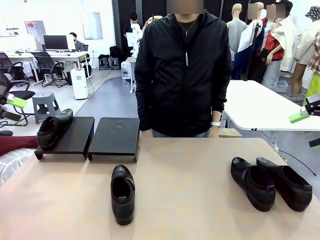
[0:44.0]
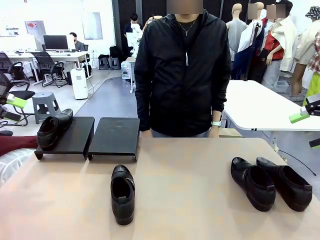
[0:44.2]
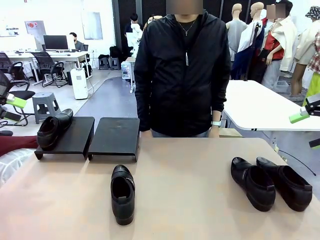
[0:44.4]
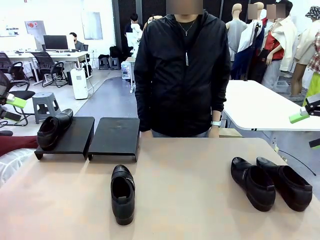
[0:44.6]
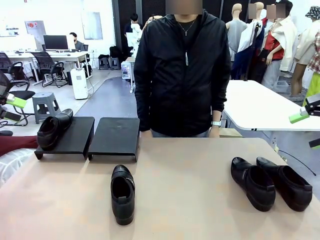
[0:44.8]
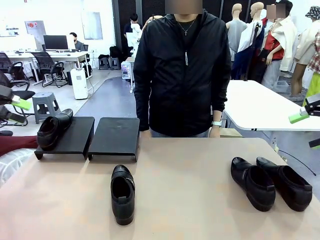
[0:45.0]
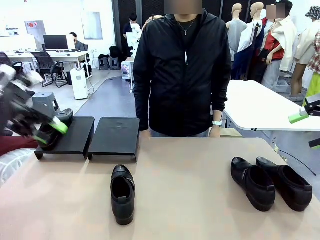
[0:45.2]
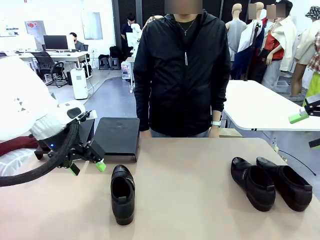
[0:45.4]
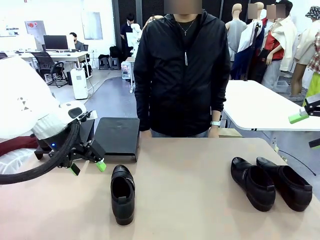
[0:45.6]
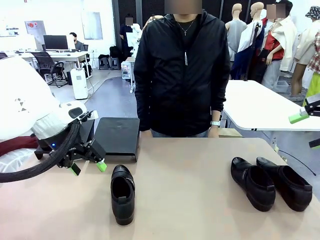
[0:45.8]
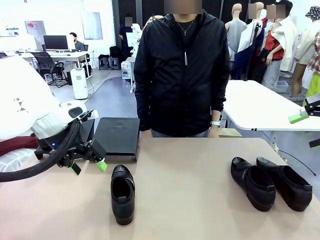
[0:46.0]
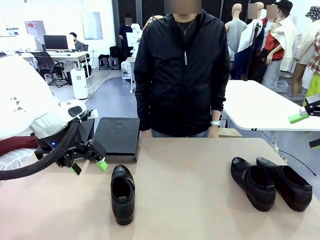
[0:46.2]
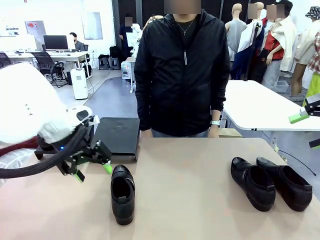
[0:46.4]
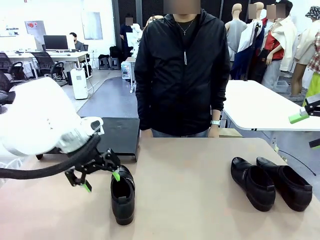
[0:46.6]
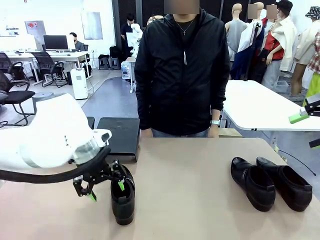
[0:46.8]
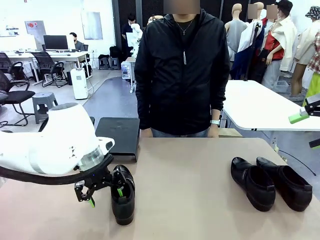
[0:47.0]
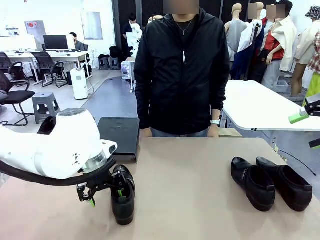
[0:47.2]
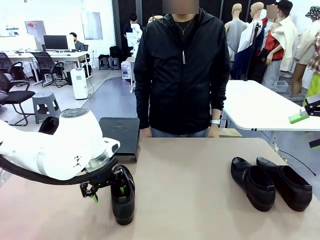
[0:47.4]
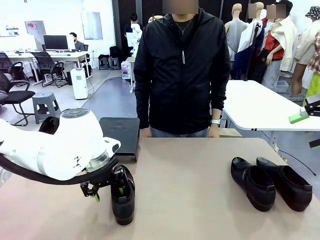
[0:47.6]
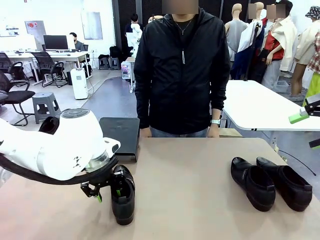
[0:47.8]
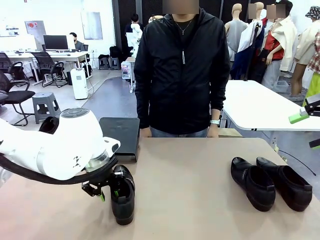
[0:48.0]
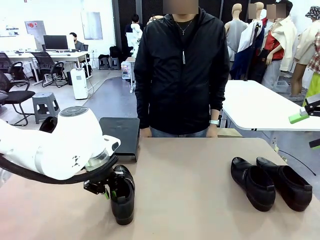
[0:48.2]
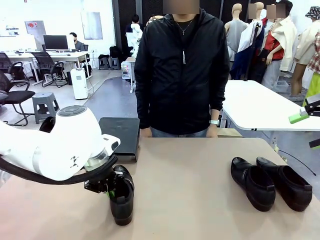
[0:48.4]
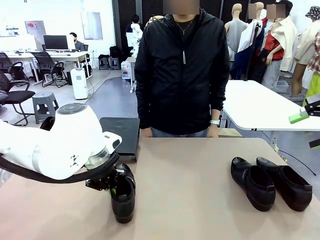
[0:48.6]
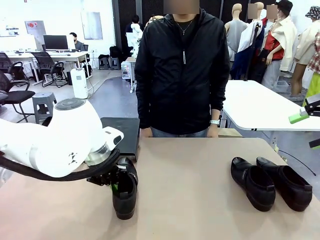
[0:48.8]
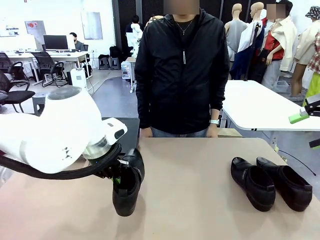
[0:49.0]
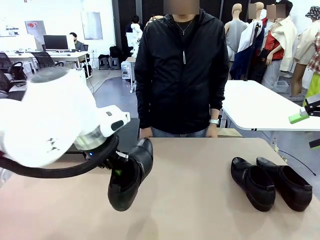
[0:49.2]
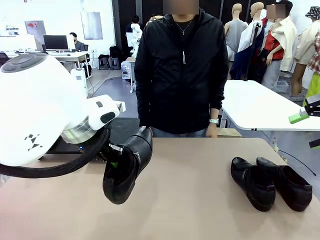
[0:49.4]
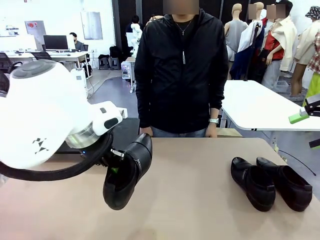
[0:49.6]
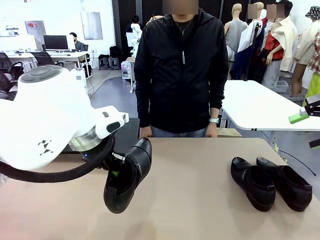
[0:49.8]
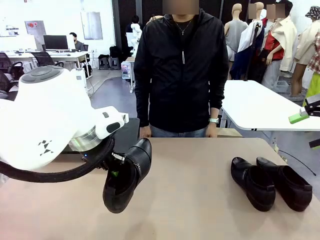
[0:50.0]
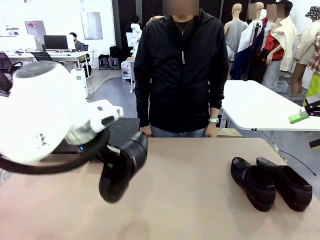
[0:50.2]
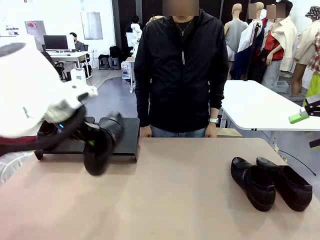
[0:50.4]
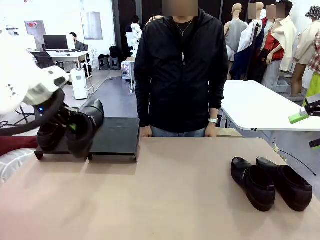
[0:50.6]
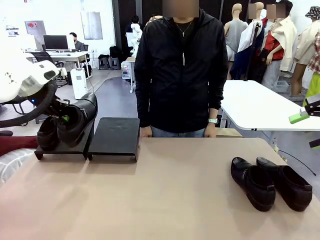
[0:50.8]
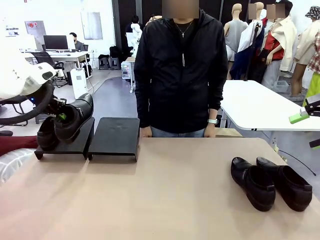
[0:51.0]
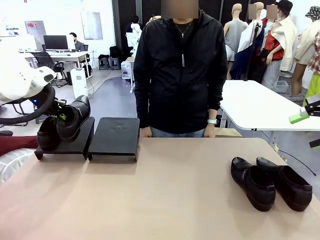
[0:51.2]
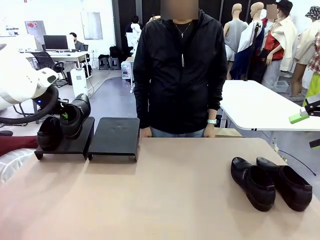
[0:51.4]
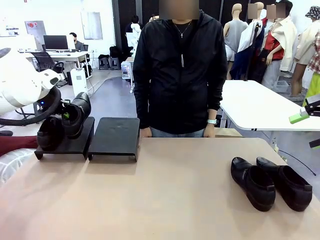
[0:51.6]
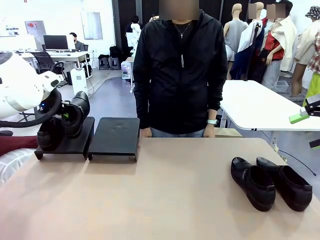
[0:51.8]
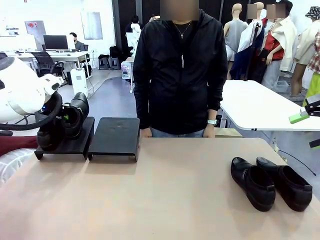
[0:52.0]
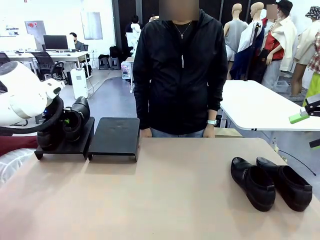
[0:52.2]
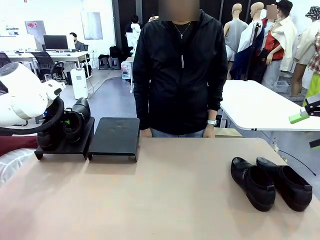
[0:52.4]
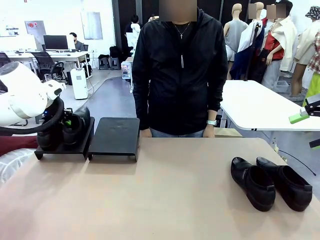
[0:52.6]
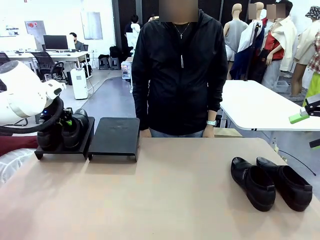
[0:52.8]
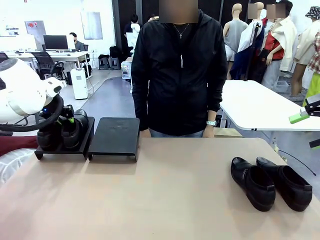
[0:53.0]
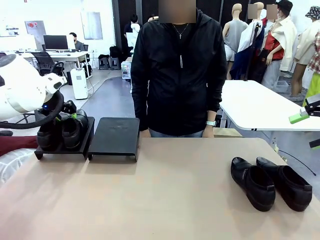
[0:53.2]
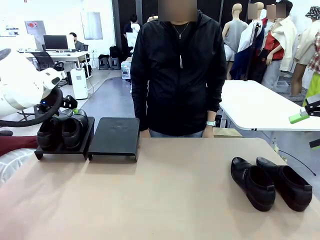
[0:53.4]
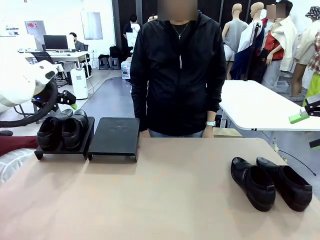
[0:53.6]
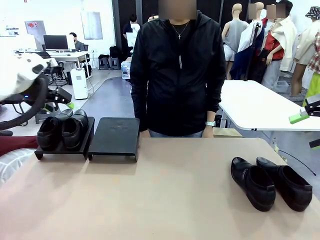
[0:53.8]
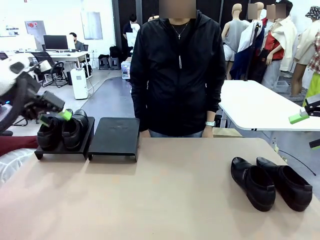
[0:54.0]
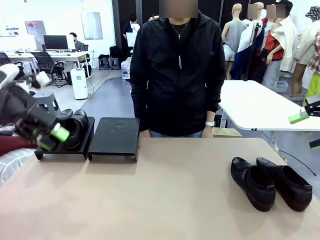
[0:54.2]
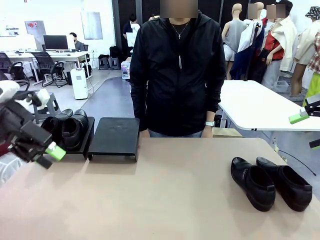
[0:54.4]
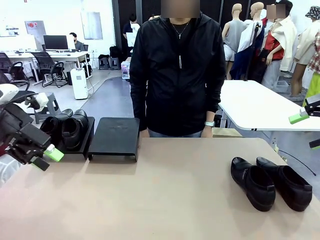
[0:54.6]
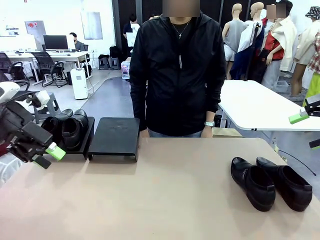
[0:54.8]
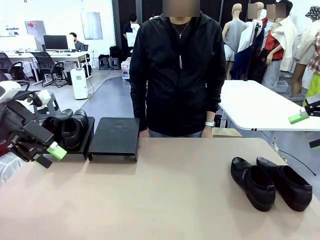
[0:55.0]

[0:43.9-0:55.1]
Task: Organize the shoes by placing them on the stand.
Robot: Place the Shoe from the middle of the table onto the Shoes Stand.

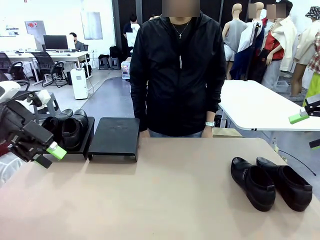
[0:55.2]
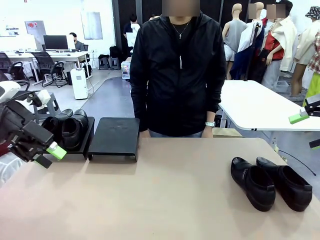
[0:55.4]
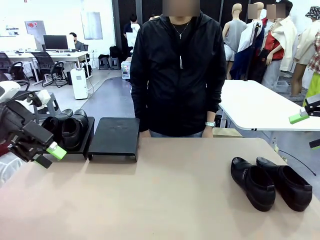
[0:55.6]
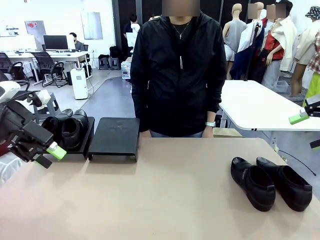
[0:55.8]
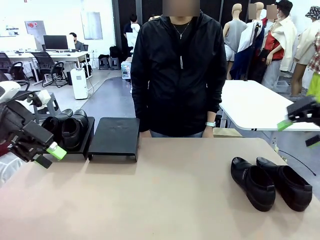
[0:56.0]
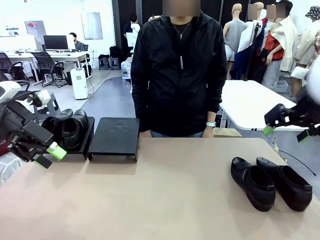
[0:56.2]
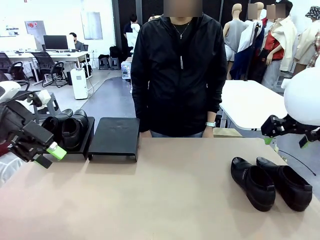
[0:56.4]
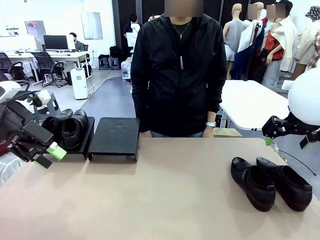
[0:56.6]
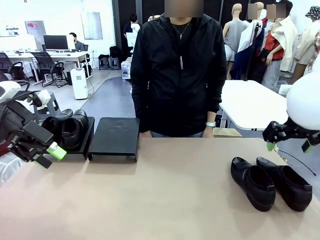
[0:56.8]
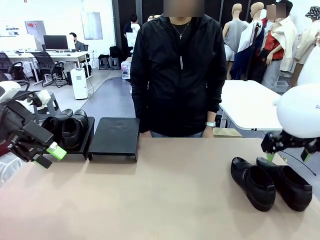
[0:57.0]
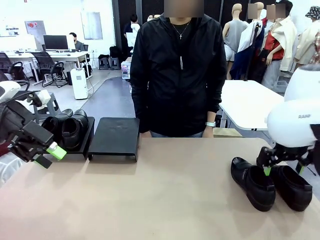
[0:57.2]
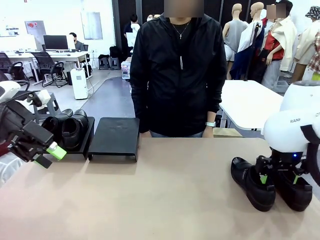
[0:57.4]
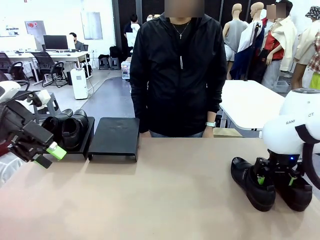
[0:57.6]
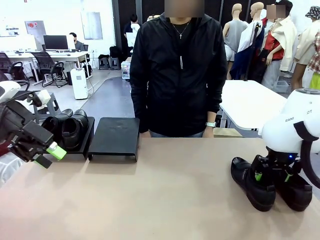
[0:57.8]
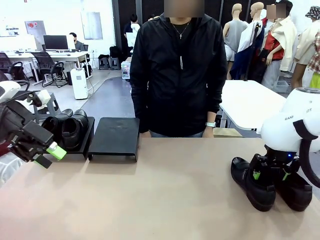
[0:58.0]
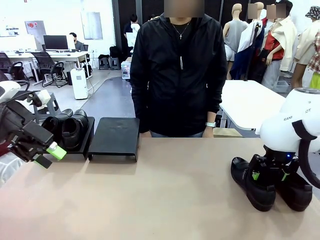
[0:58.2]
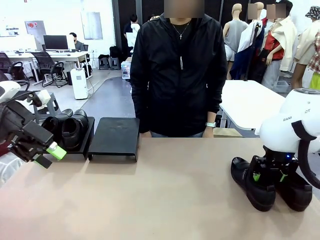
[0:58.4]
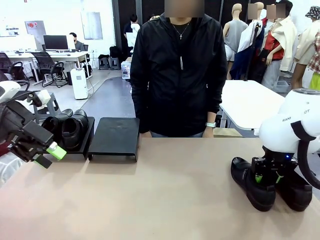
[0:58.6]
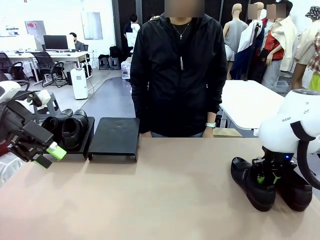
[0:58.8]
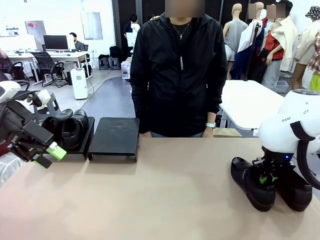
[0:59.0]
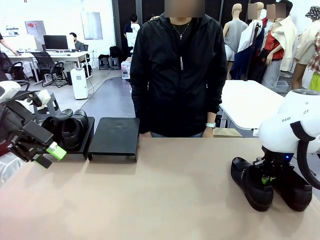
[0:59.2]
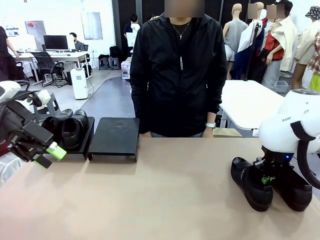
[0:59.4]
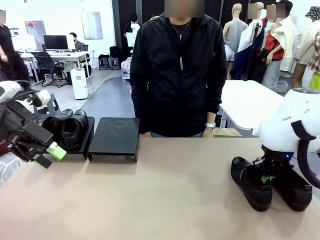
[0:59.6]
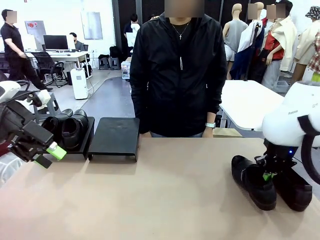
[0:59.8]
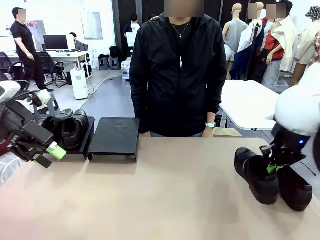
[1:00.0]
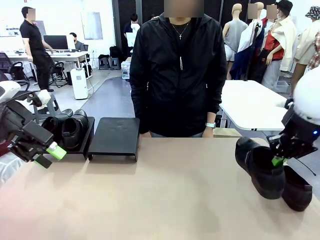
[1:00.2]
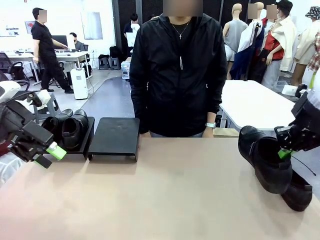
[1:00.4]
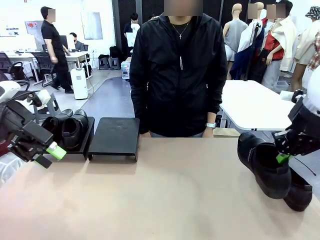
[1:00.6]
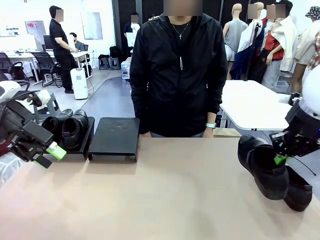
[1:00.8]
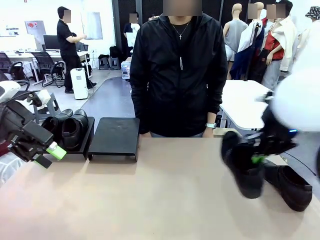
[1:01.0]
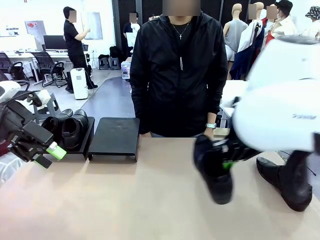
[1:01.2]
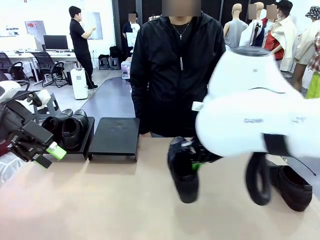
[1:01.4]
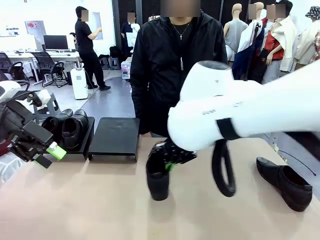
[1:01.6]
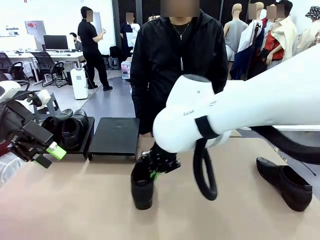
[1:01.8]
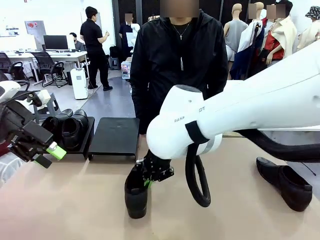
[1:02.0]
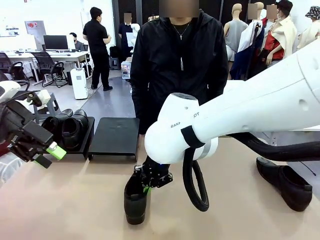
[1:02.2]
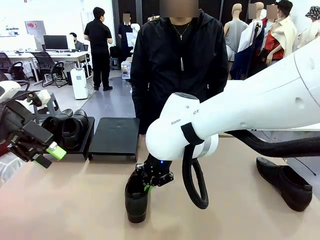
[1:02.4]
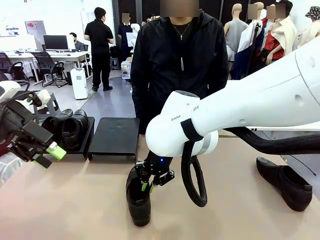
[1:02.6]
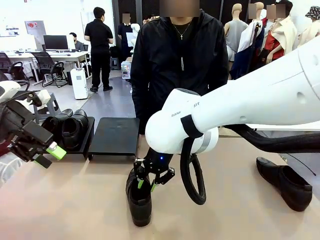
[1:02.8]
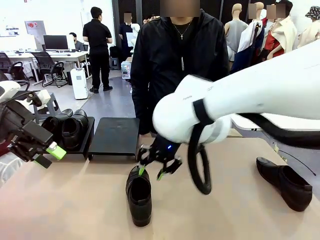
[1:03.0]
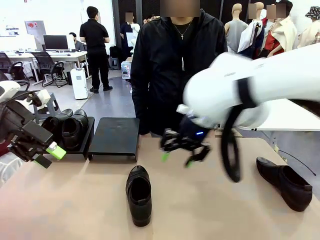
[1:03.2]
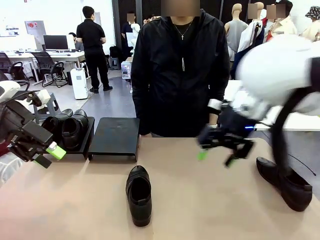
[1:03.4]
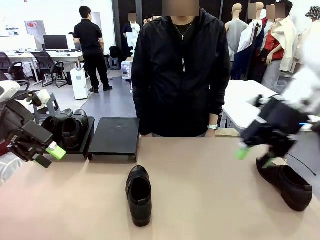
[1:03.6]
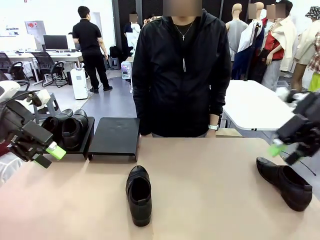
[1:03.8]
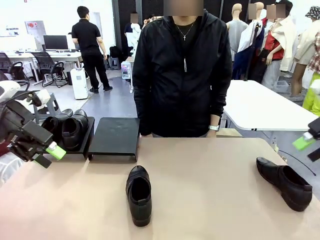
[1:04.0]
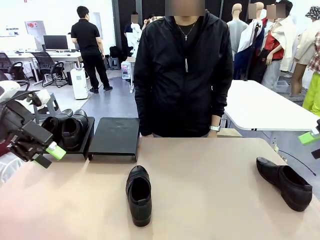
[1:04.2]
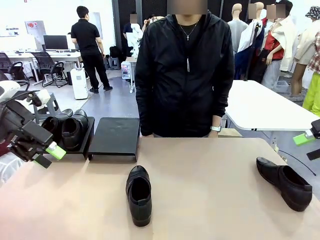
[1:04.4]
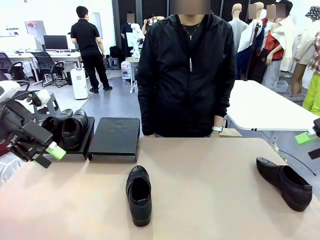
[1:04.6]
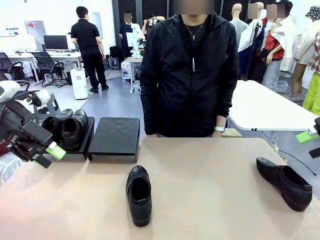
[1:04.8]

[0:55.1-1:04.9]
Robot: Pick up one Shoe and place it in the middle of the table.
